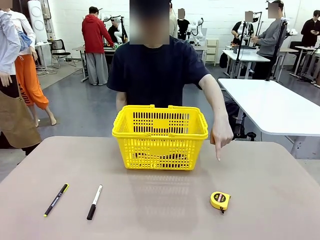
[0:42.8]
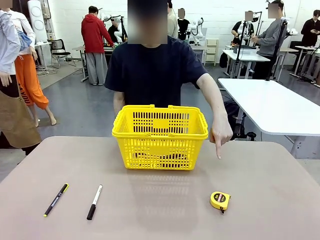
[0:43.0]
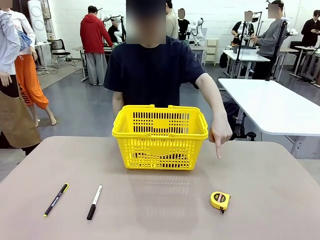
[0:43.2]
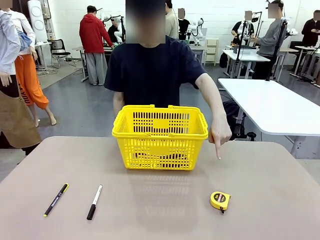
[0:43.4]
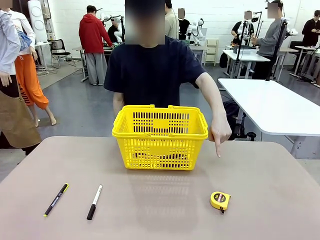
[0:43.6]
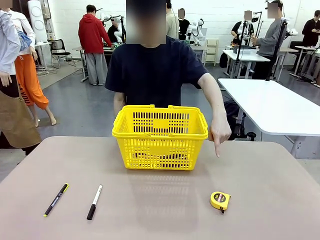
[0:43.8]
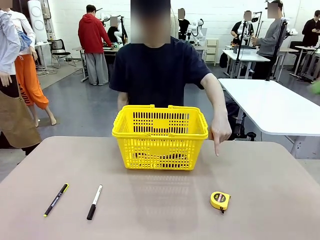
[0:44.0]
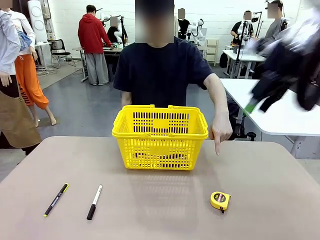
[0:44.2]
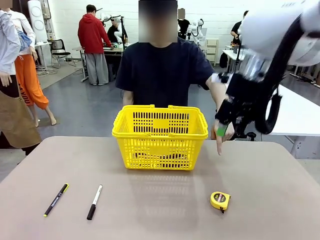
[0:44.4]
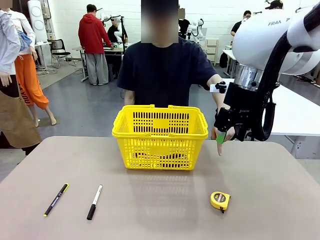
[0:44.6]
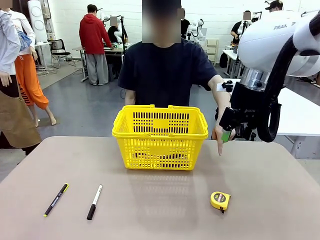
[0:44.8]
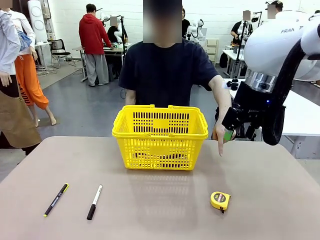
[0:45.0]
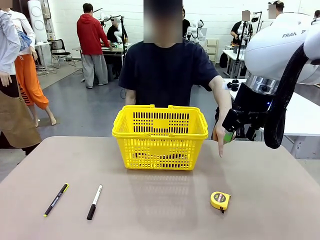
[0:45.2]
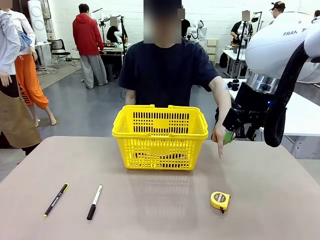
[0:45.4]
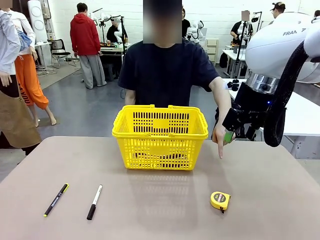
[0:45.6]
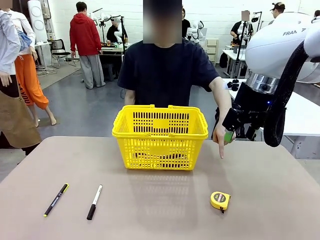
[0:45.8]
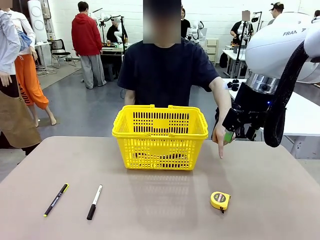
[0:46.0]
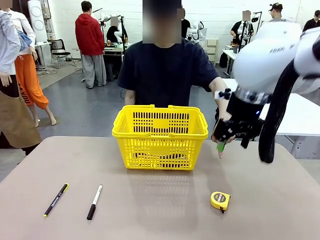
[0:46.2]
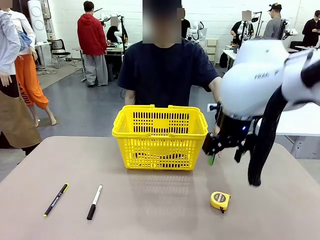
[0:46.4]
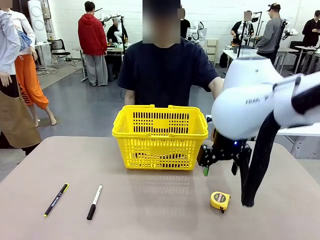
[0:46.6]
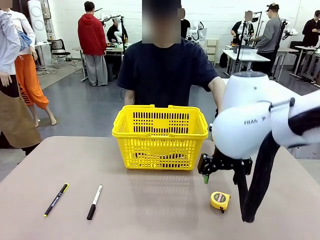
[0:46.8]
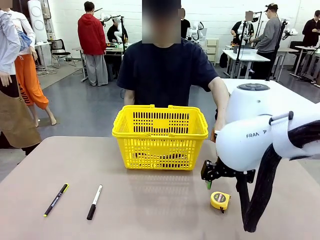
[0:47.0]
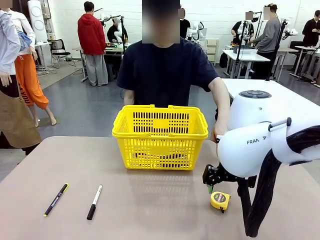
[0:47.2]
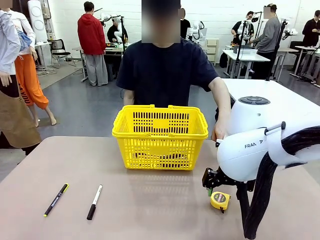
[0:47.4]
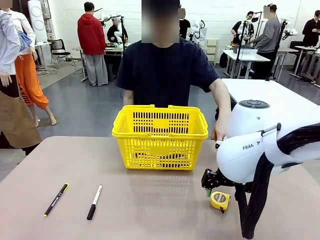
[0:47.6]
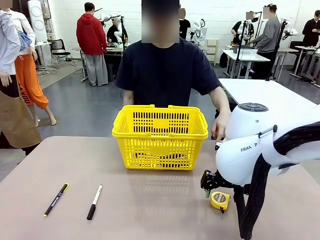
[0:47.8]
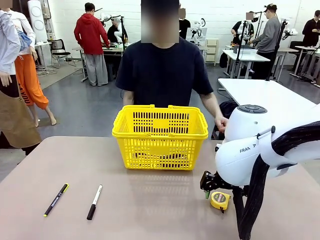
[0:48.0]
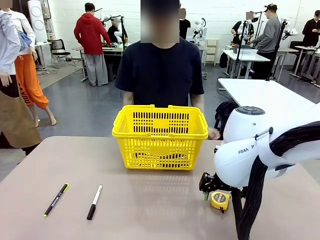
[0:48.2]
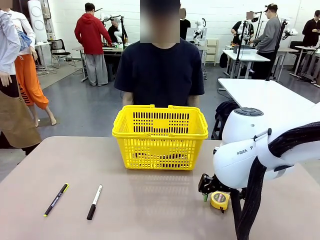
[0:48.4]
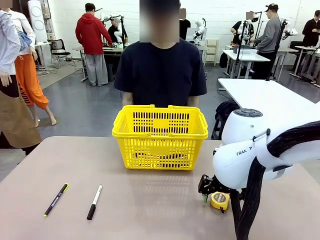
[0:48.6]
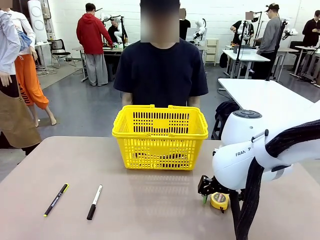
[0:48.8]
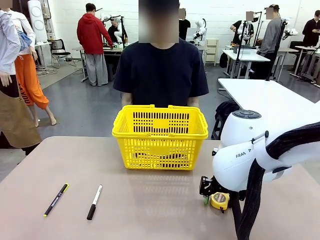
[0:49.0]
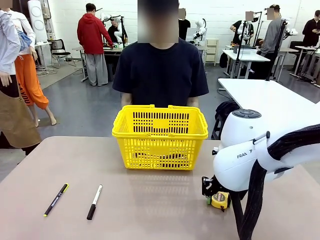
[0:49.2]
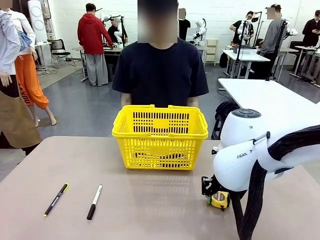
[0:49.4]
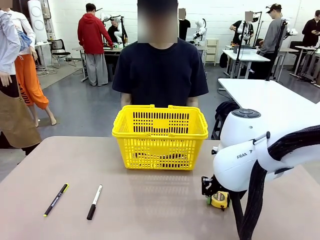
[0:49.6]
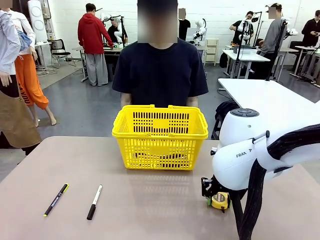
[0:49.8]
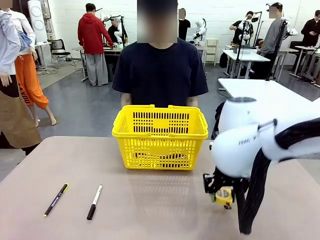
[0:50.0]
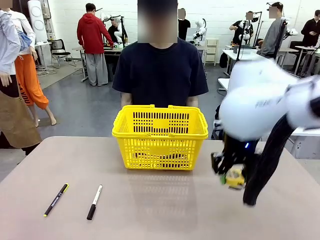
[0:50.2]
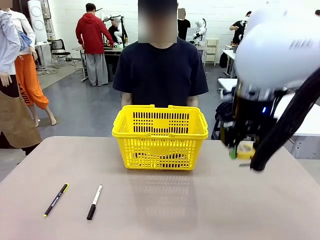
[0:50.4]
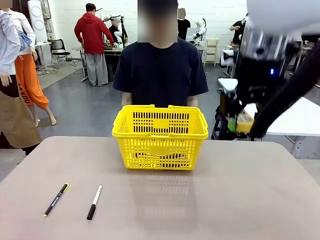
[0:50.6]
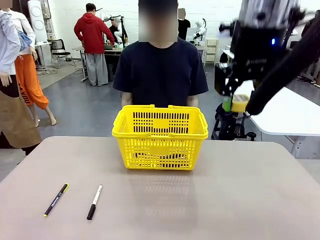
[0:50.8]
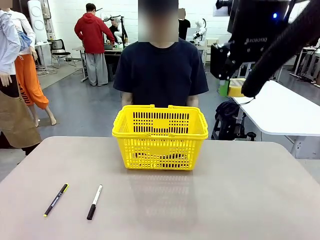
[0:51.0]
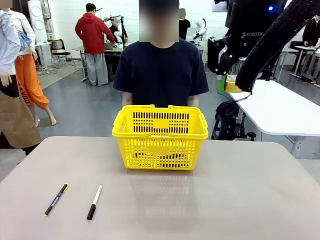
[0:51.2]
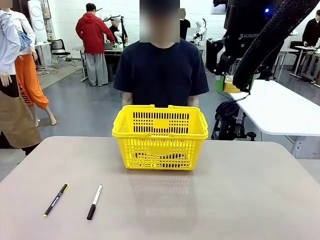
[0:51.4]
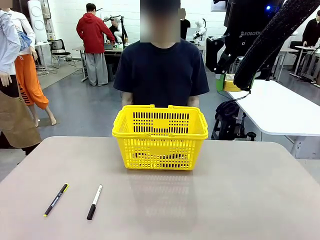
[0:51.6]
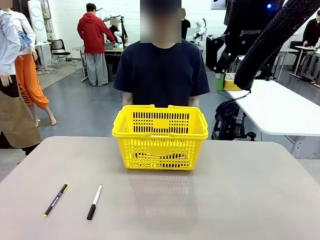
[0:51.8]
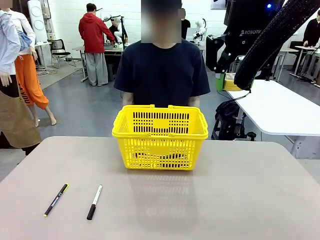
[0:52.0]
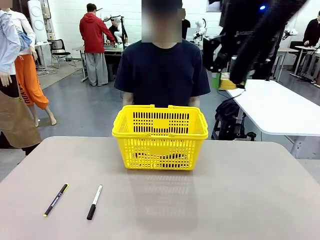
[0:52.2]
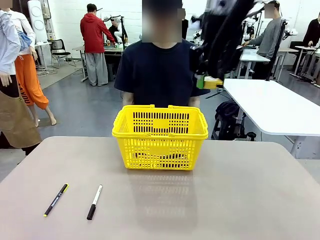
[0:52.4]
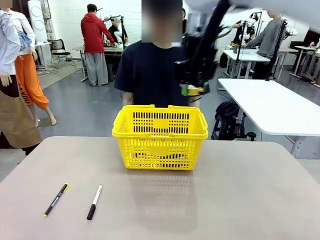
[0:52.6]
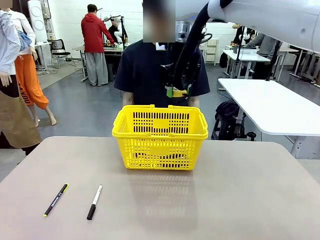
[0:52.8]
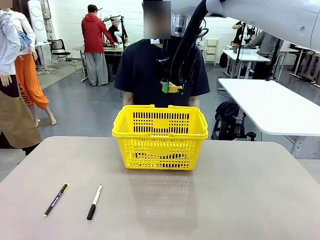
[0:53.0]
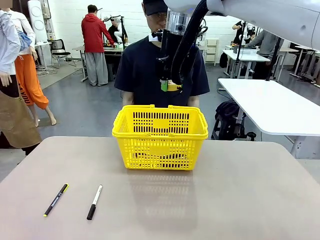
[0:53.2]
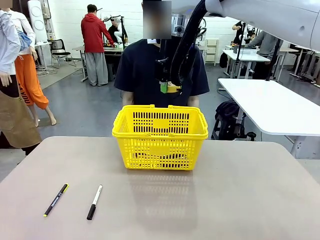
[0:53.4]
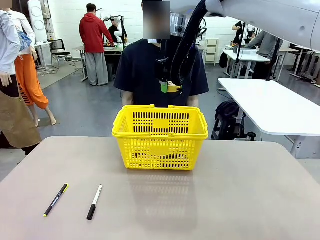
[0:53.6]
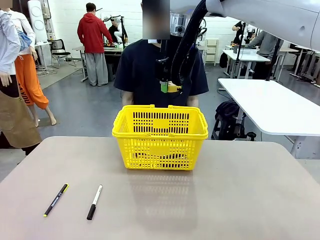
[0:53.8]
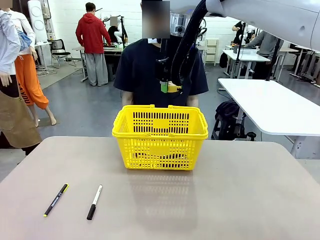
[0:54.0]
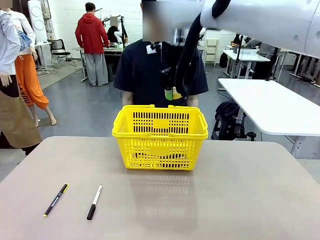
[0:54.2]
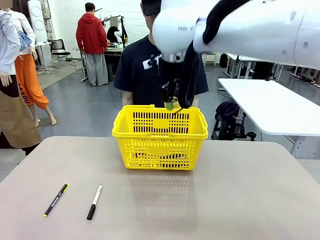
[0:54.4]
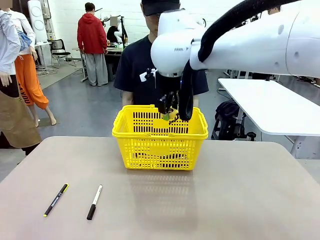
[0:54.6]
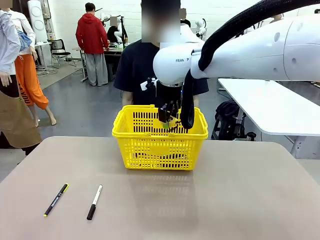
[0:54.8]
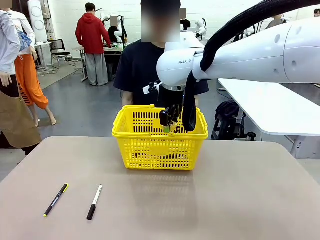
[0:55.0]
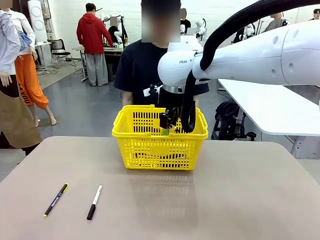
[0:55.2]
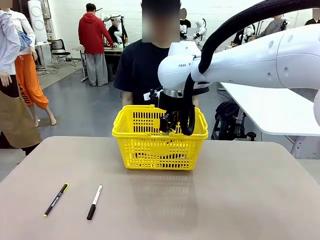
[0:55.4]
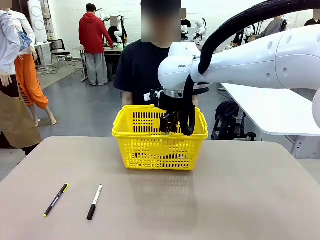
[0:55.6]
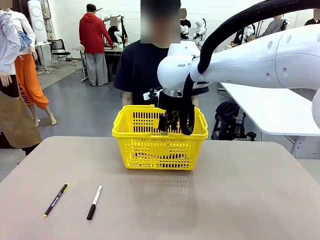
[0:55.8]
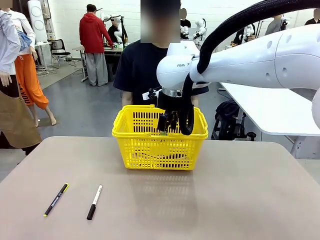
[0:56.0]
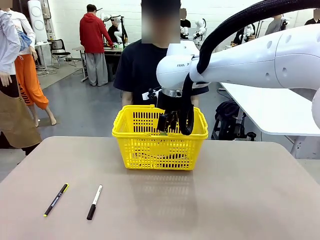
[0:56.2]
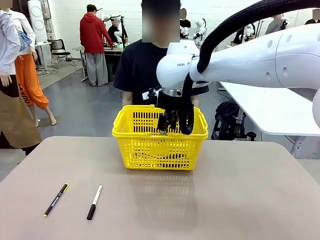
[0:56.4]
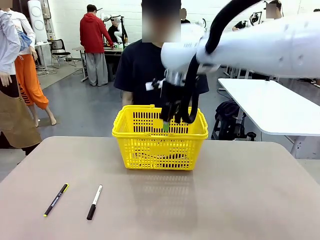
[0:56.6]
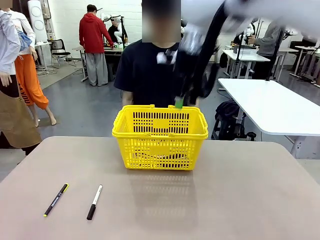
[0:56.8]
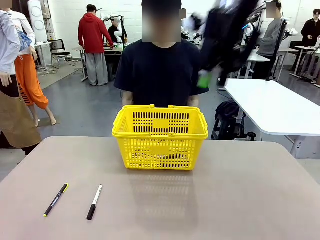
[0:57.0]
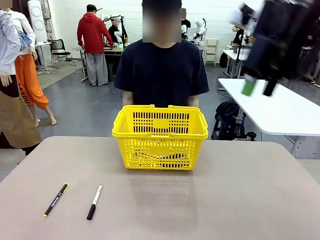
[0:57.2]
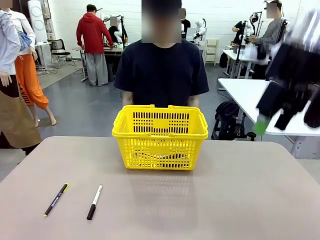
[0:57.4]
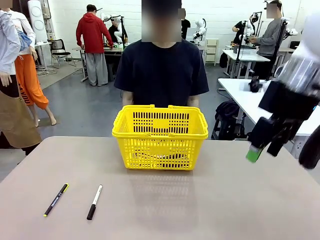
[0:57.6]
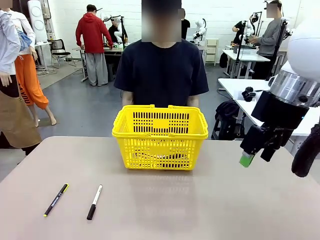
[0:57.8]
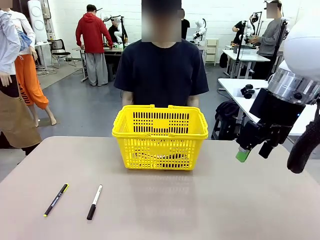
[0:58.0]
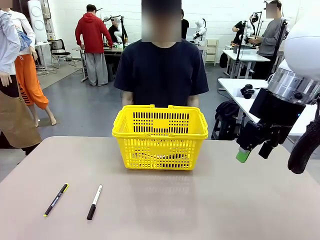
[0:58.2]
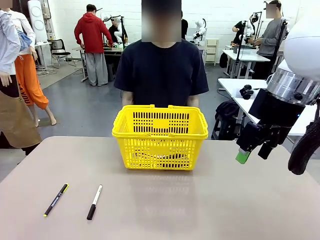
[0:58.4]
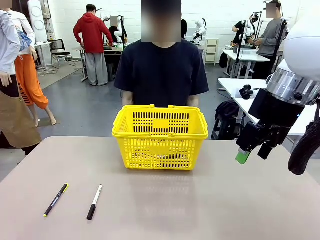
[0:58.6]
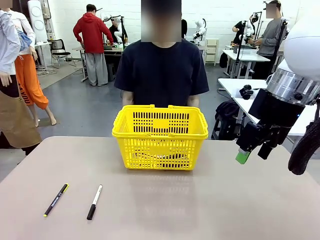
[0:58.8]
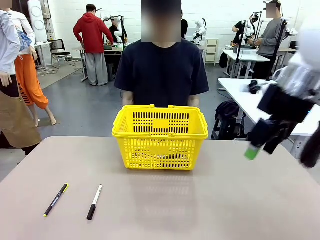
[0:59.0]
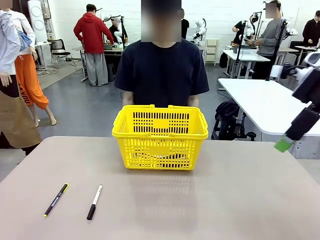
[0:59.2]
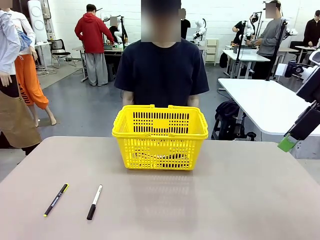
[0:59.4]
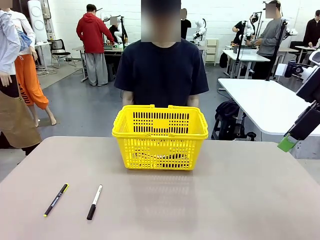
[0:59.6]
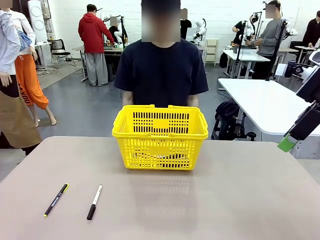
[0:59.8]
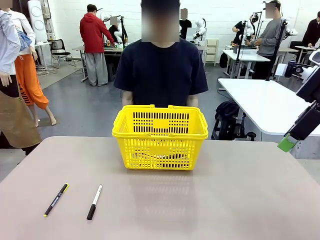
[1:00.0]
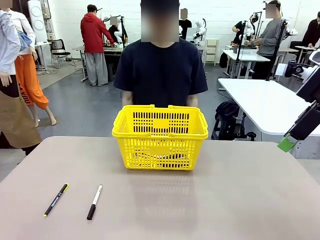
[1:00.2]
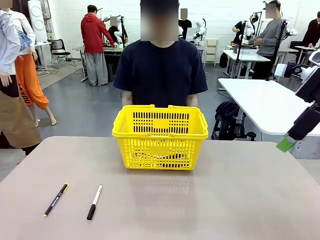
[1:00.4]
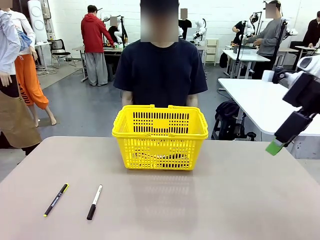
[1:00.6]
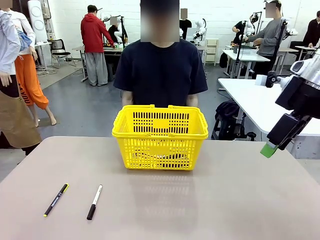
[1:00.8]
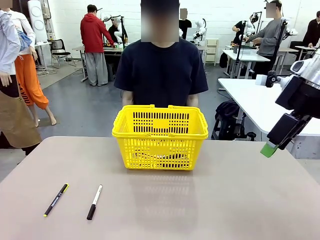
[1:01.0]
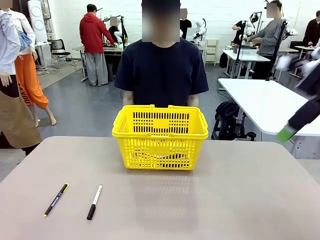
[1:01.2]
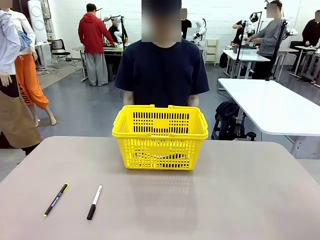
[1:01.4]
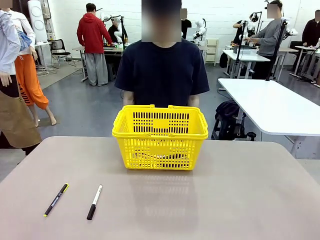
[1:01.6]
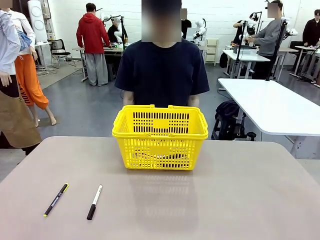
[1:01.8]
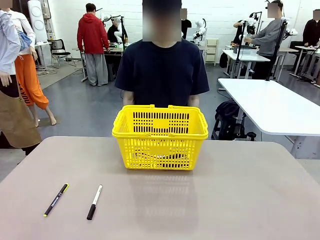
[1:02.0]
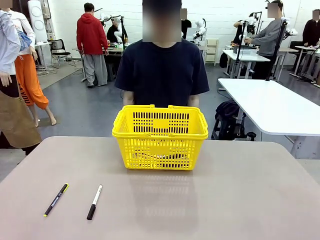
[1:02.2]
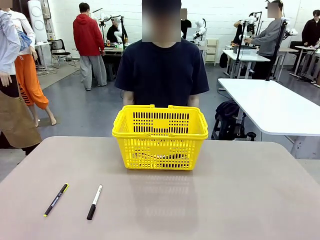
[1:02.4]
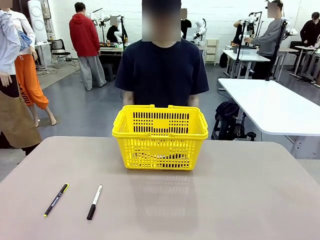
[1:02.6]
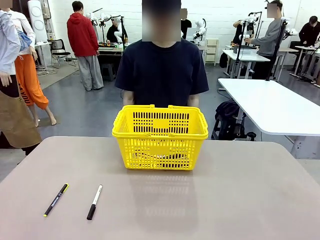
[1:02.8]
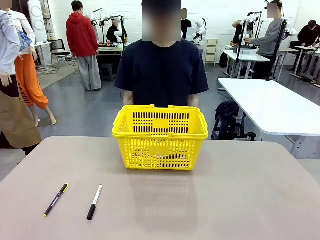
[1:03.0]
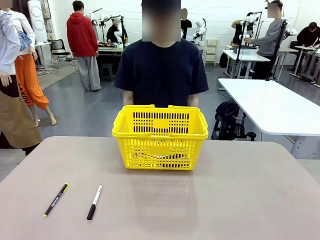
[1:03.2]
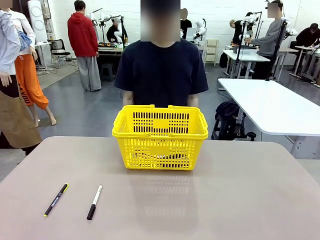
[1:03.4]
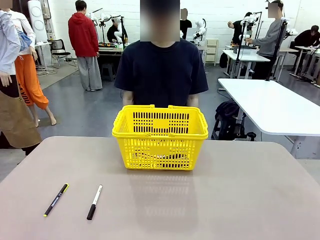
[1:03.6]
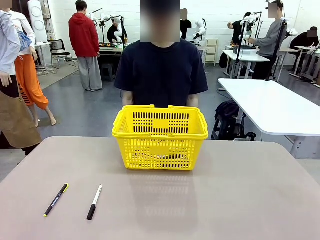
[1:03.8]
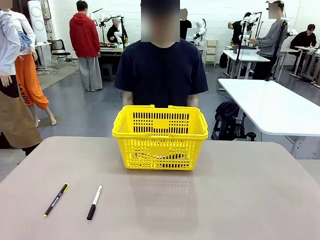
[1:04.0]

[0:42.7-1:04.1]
Task: Place the items the person wants into the basket.
Robot: Pick up the item the person points to and place it in the Market Basket.
